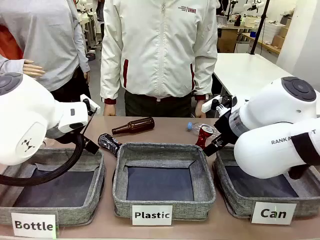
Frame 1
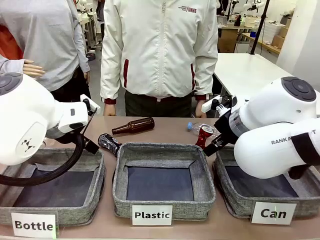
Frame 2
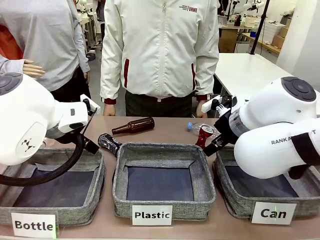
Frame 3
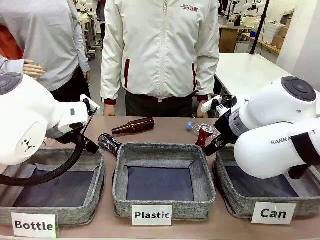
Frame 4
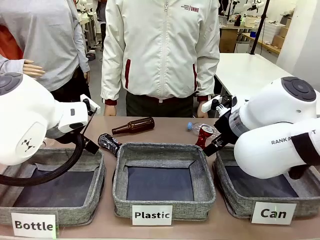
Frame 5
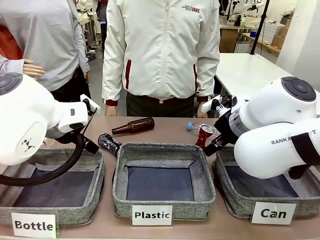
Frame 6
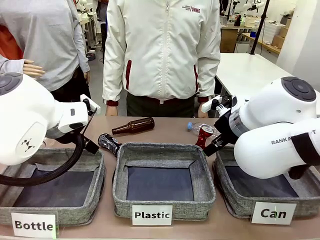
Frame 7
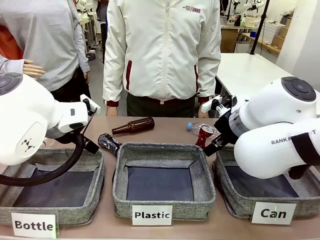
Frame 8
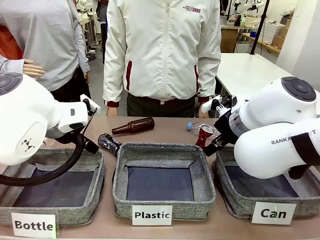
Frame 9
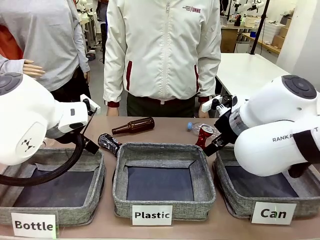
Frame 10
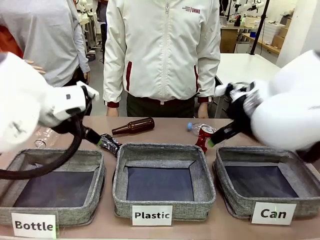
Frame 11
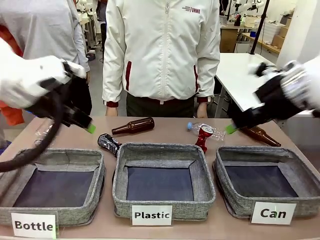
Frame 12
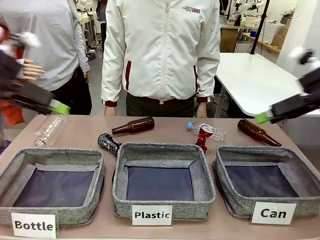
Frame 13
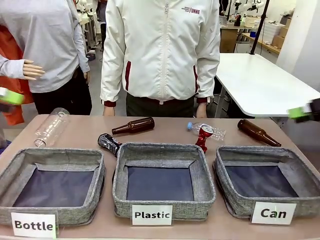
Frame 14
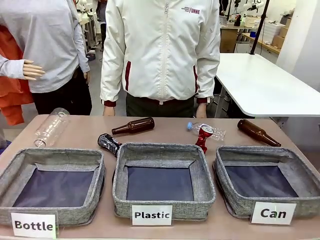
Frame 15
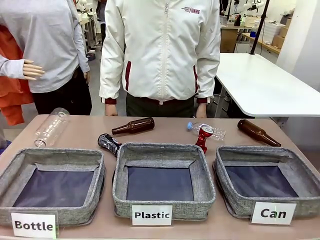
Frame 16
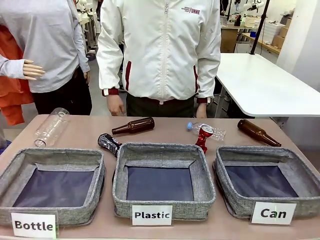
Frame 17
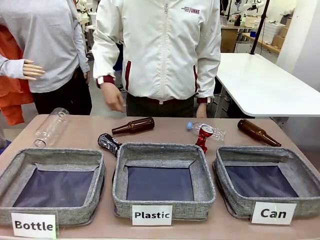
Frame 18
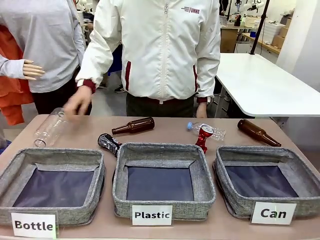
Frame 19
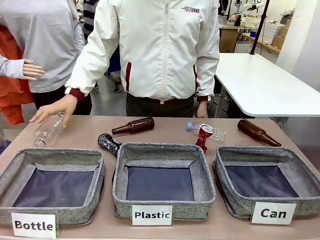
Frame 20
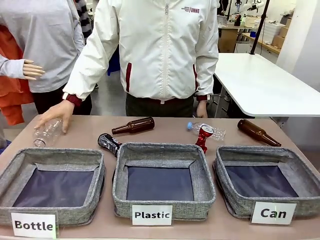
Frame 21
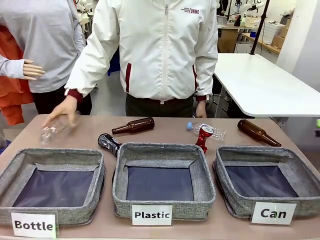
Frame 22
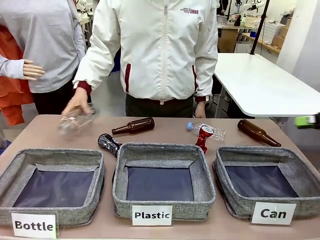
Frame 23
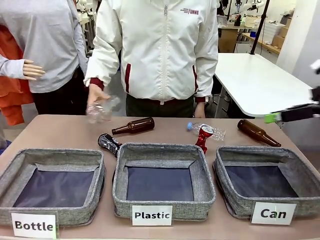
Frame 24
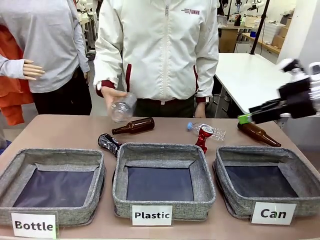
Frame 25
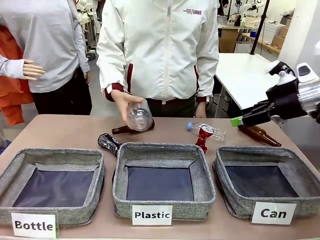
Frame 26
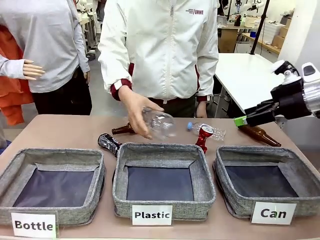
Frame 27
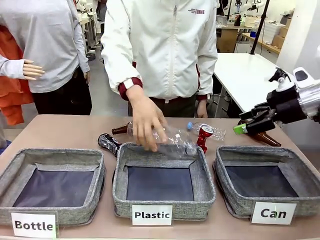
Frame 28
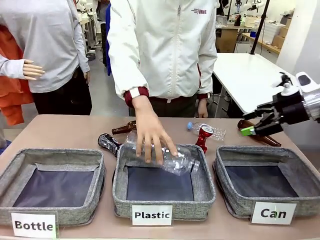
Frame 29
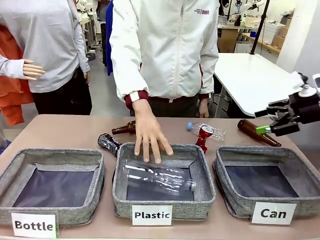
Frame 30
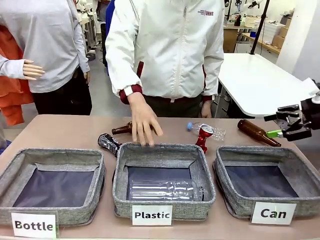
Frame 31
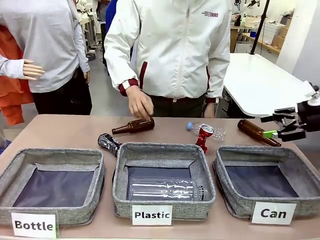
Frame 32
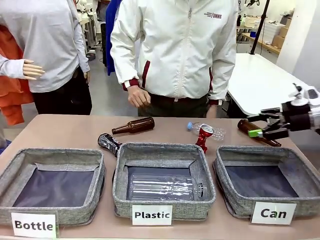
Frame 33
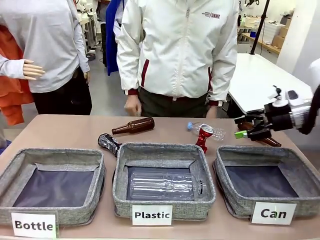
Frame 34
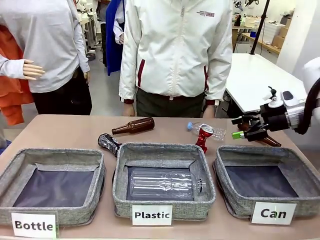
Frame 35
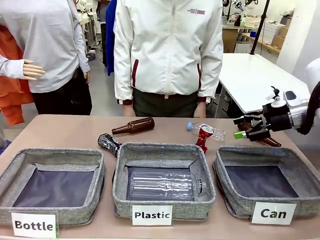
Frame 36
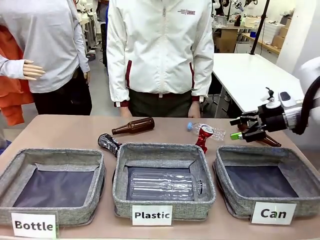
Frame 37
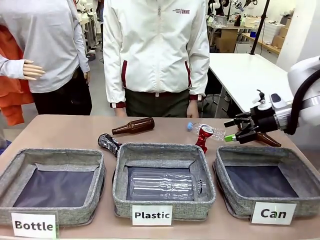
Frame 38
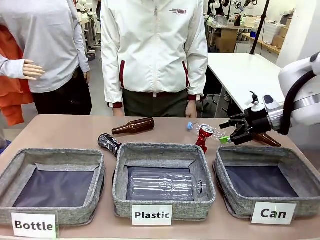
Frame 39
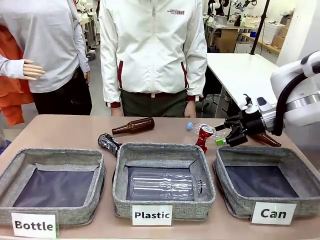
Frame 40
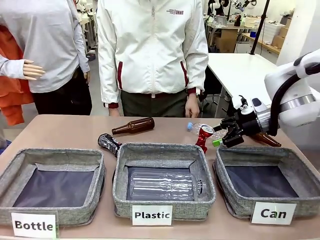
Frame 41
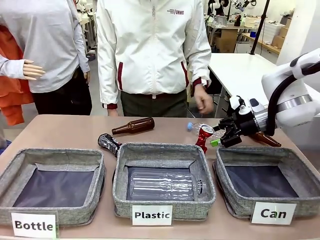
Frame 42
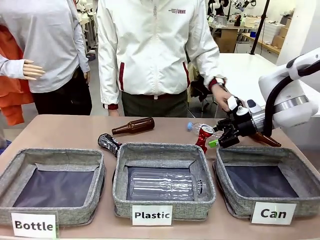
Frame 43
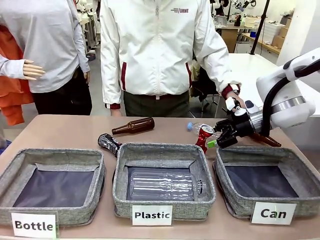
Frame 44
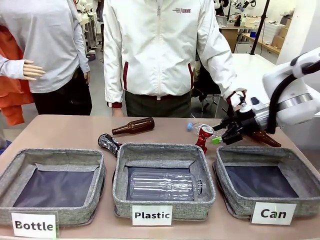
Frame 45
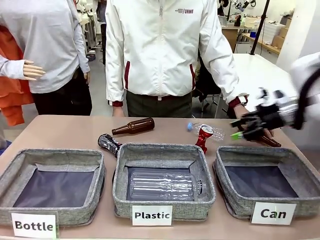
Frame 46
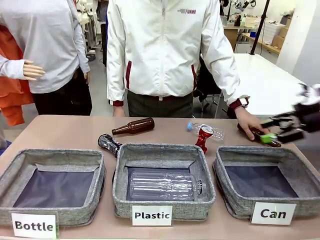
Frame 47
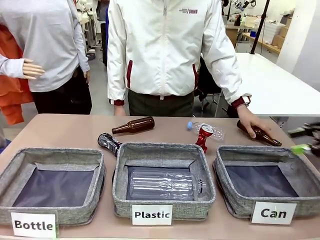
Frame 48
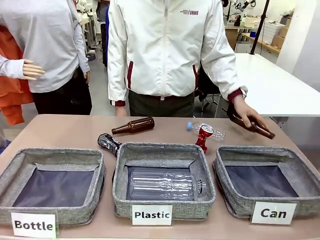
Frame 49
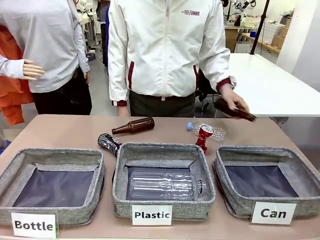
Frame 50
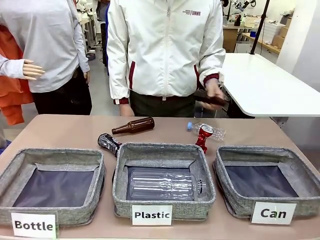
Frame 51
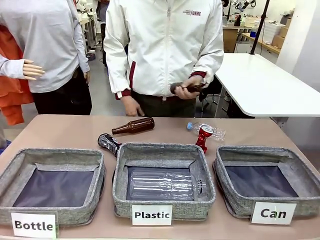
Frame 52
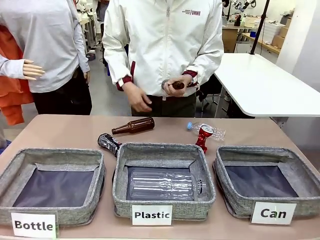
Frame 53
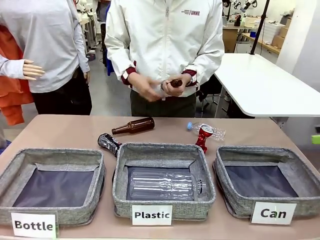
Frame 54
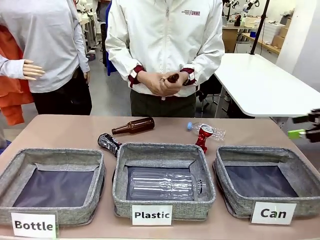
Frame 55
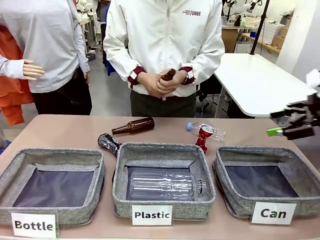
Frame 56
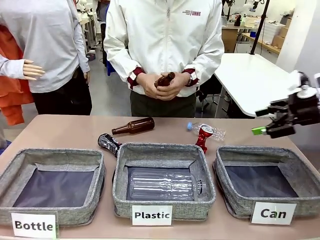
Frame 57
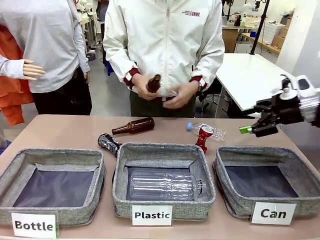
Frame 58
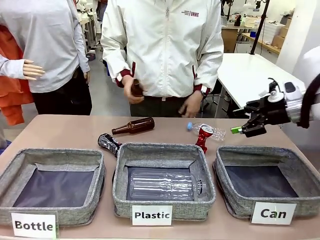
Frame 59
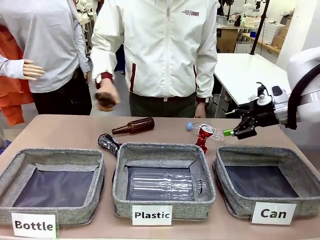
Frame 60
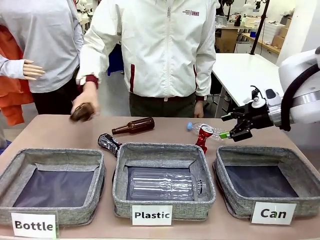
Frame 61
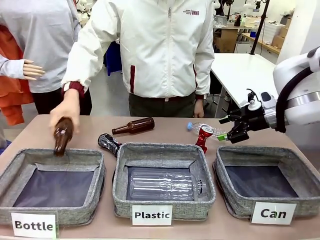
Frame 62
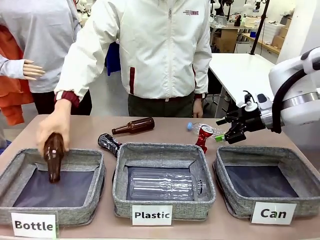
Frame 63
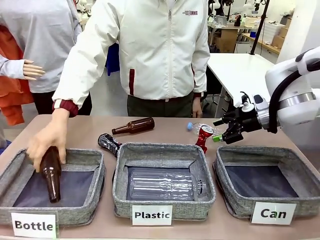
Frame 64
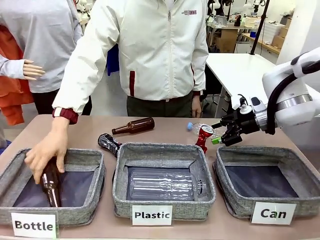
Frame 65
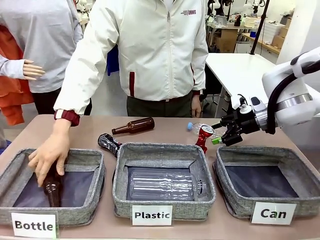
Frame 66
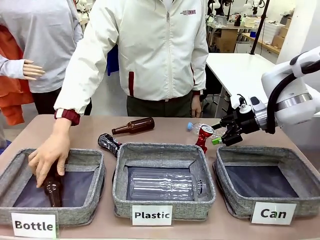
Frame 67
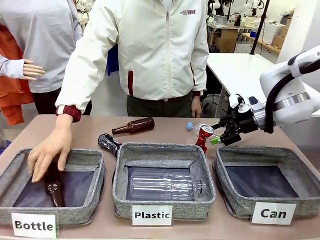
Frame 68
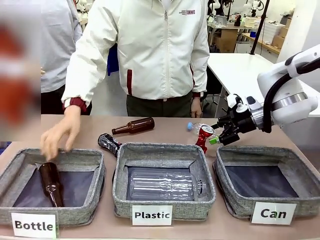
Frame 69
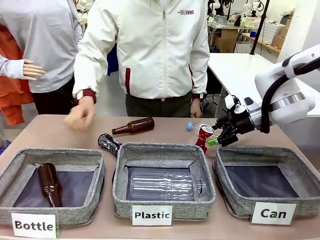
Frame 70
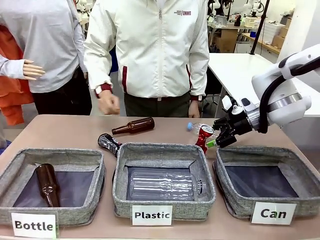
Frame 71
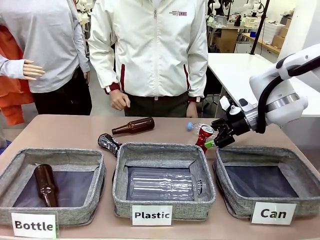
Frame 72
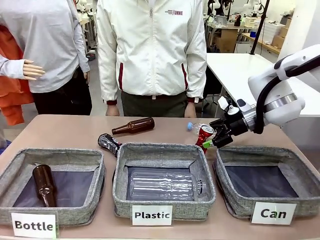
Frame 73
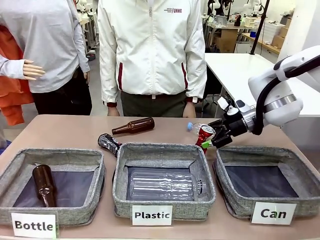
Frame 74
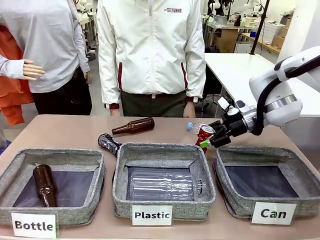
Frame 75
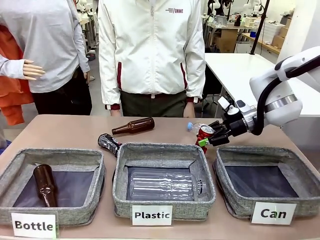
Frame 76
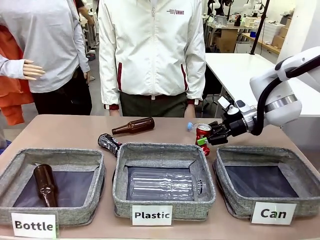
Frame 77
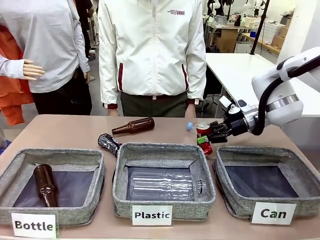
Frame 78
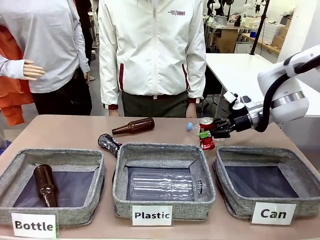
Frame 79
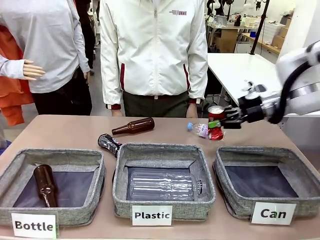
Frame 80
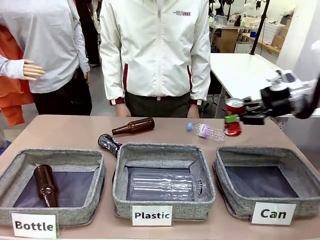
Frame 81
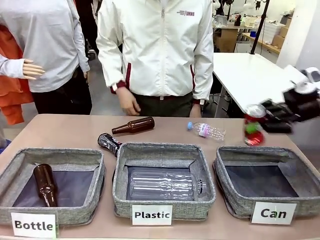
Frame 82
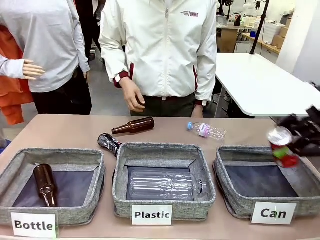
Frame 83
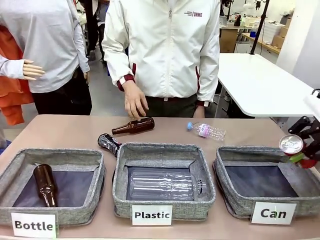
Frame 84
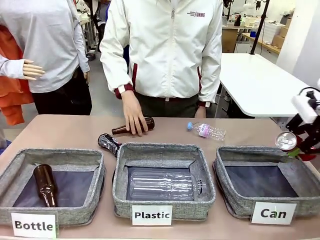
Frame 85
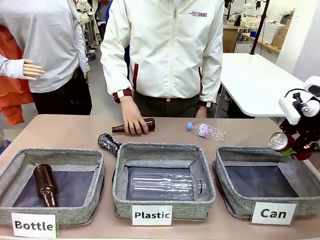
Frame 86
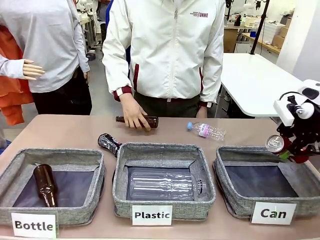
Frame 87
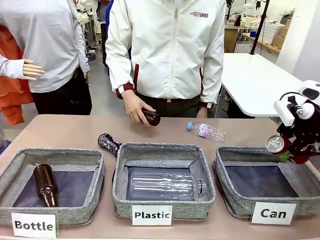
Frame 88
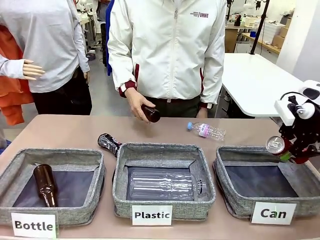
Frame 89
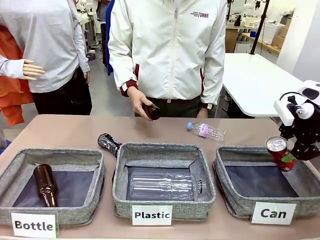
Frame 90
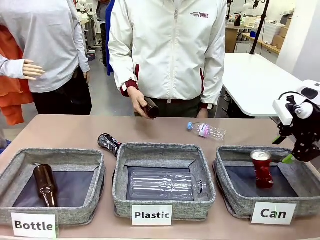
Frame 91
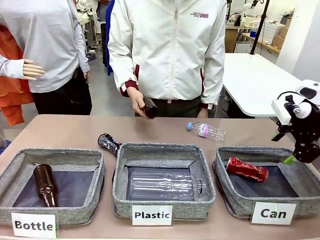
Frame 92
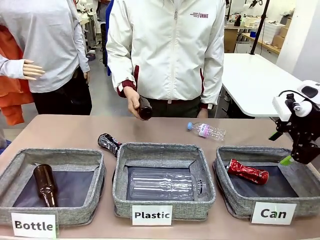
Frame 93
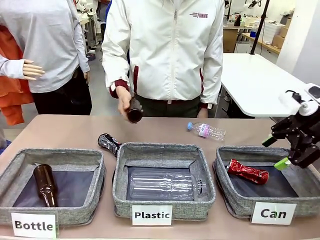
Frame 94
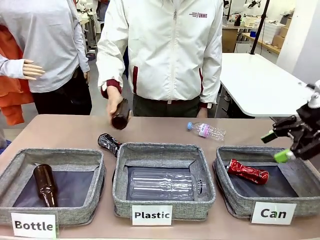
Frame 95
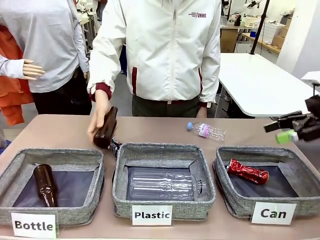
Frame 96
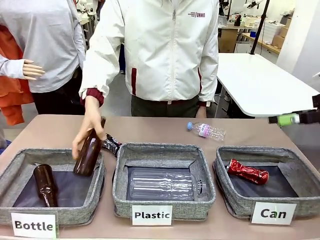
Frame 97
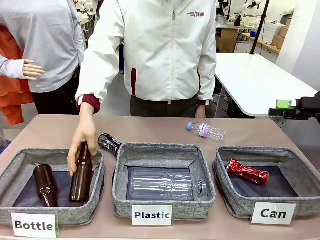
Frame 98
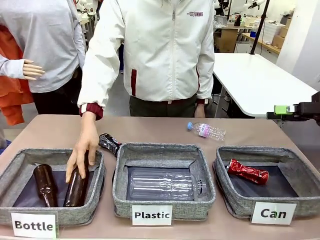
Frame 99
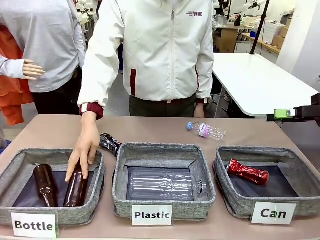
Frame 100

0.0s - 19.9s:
Task: Sort the can waste into the basket.
Robot: Pick up the can waste from the table and place it in the right Fabric basket.
